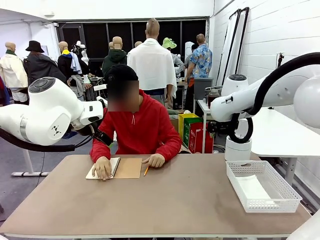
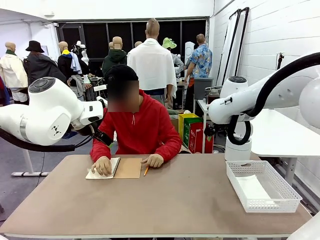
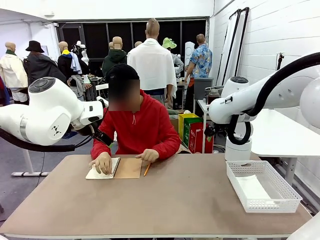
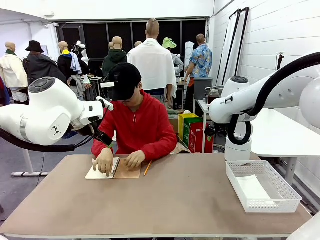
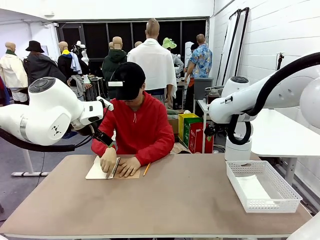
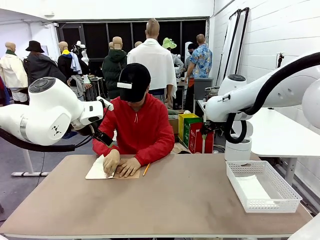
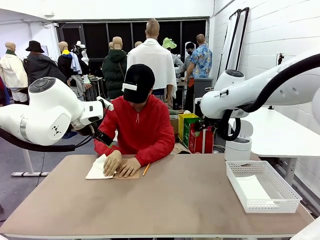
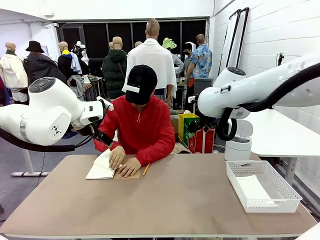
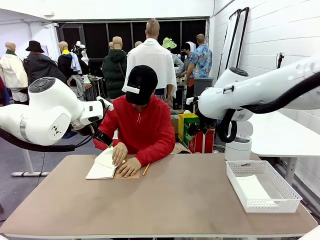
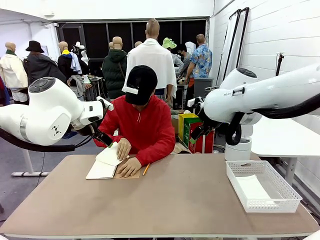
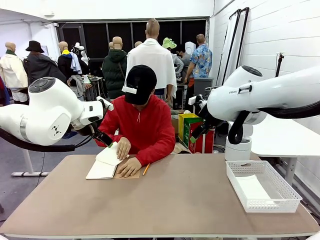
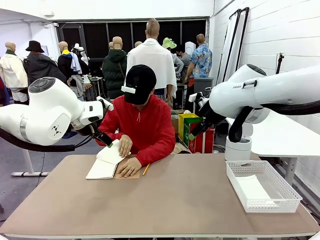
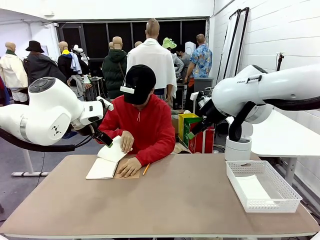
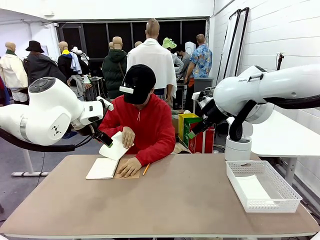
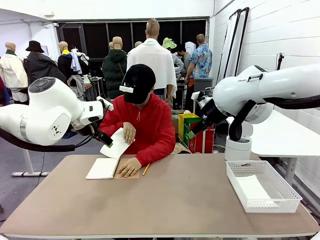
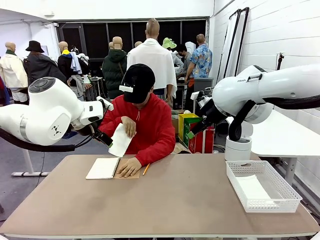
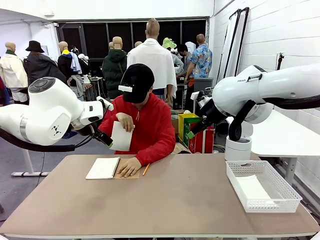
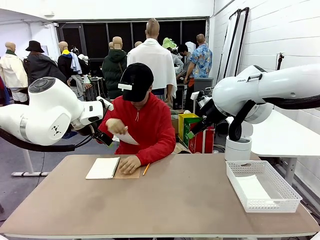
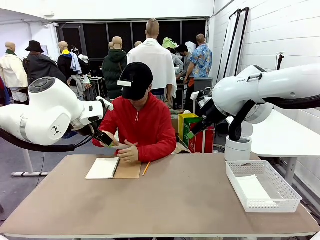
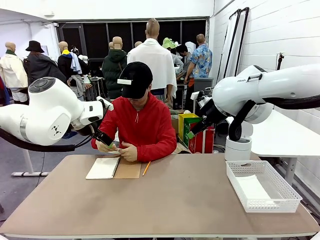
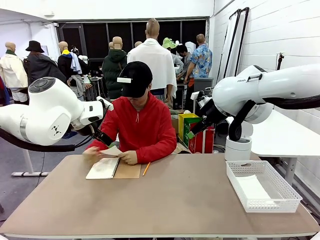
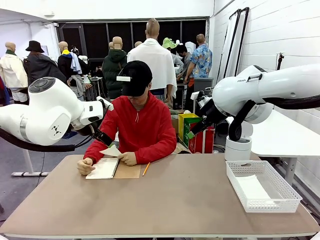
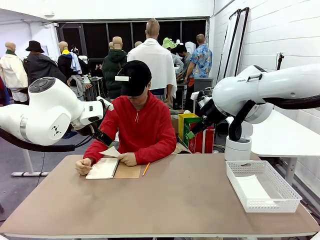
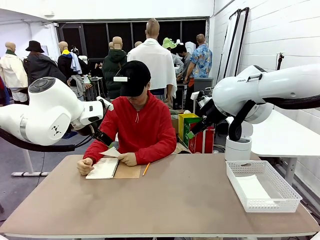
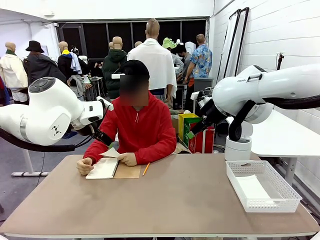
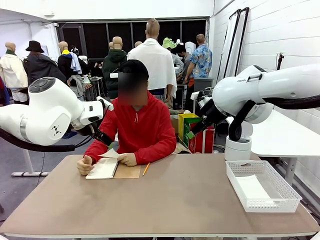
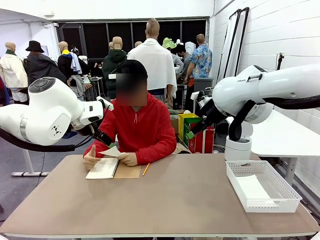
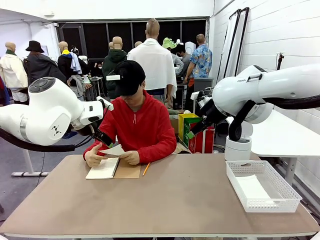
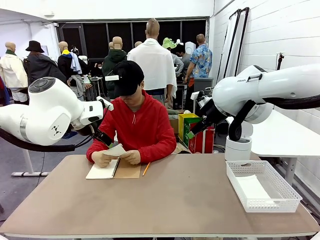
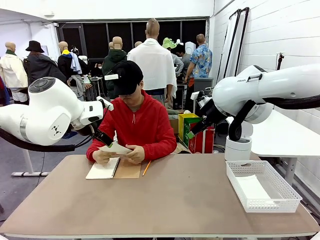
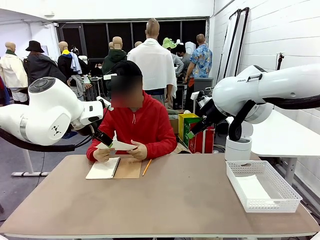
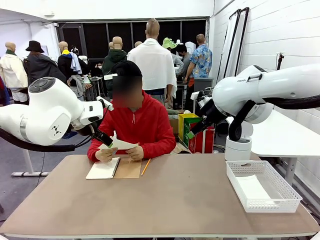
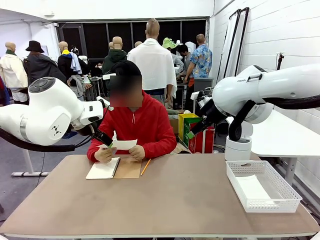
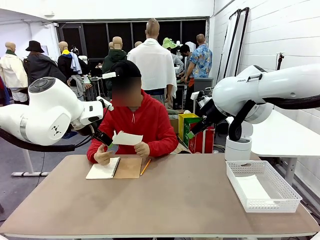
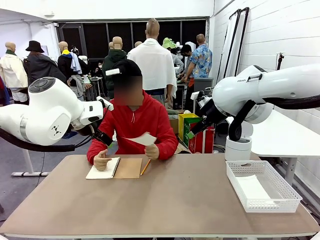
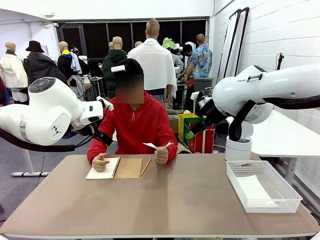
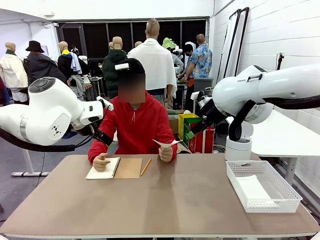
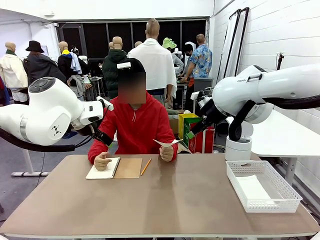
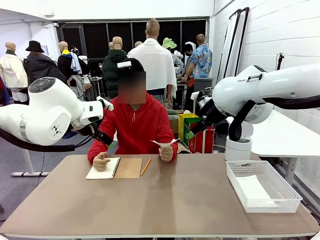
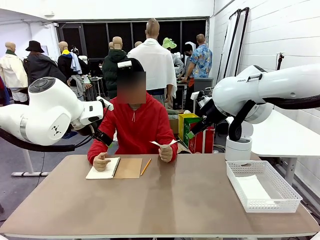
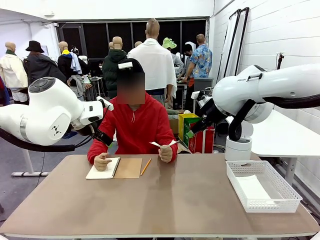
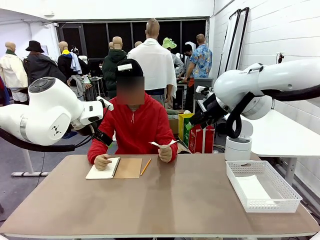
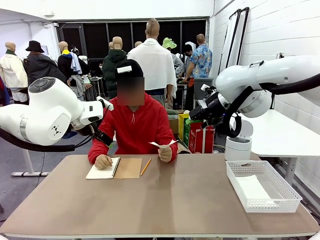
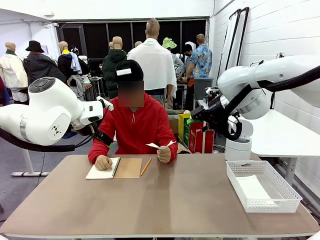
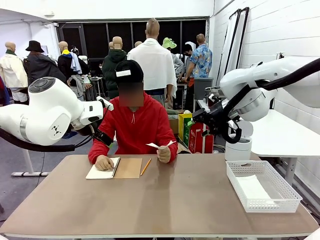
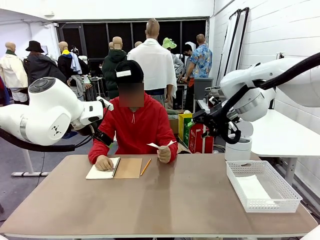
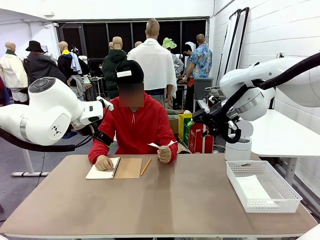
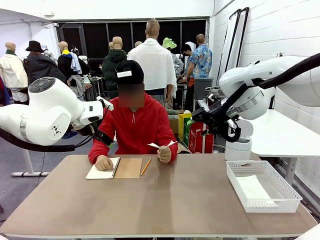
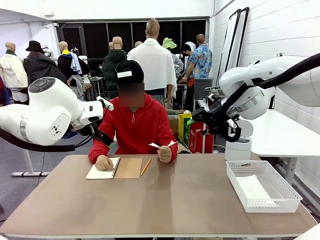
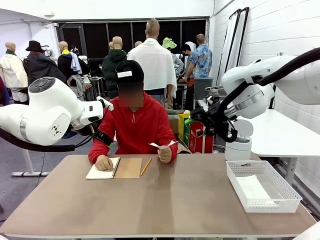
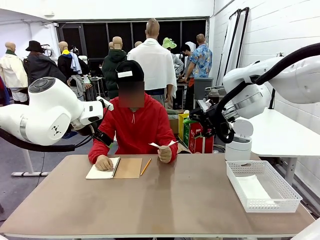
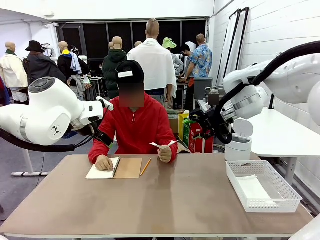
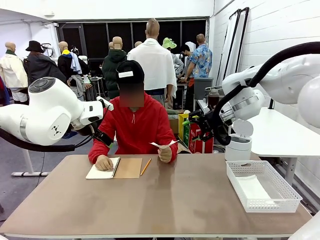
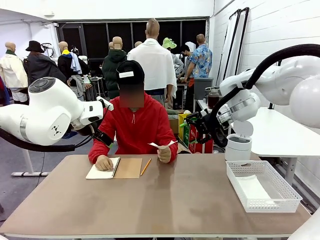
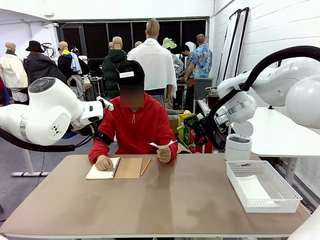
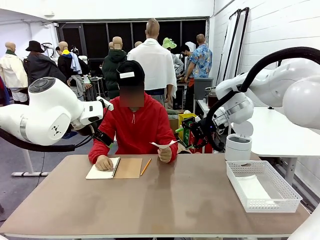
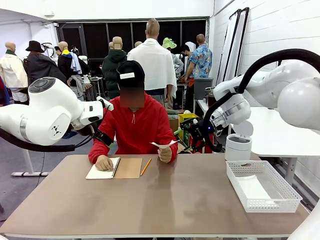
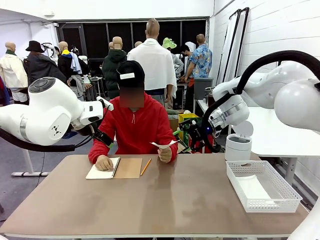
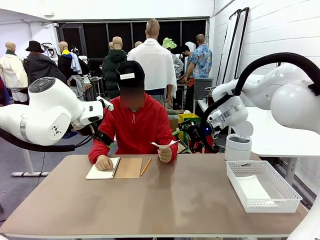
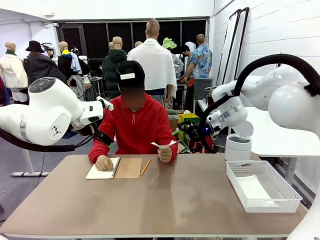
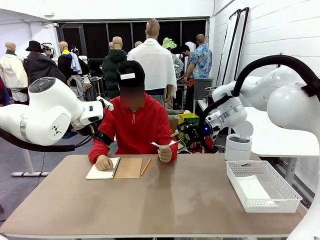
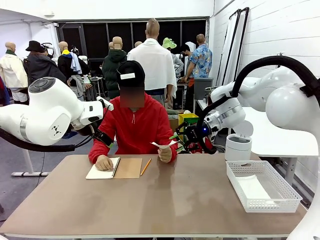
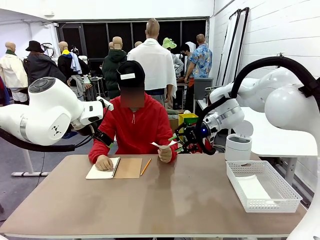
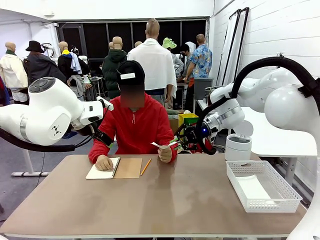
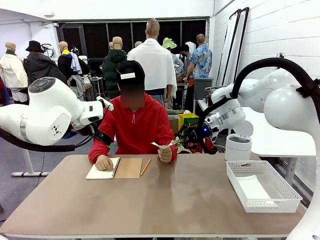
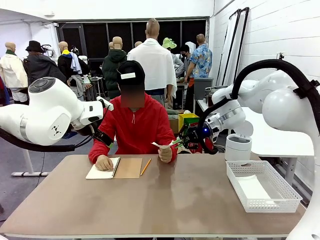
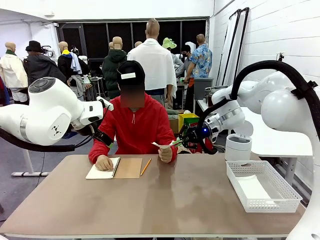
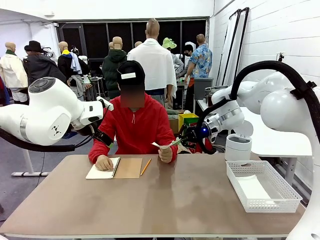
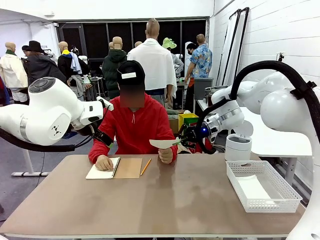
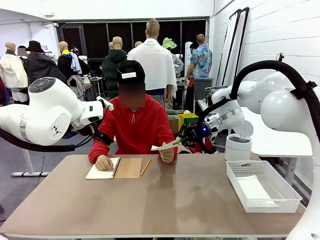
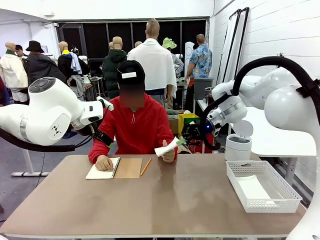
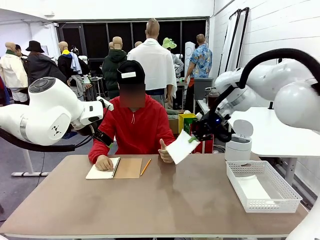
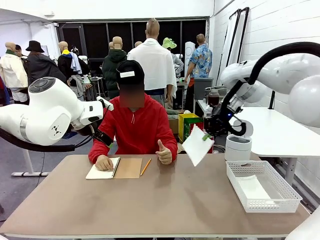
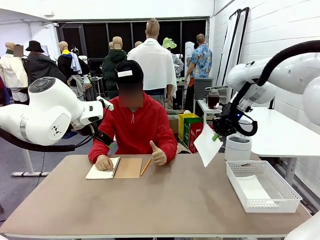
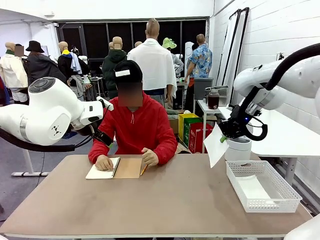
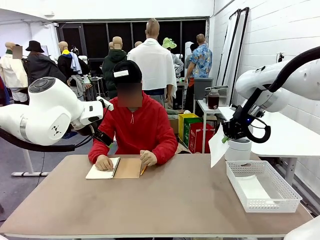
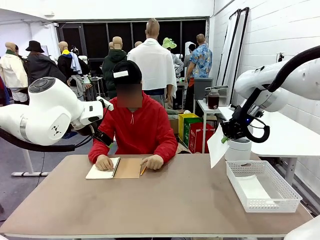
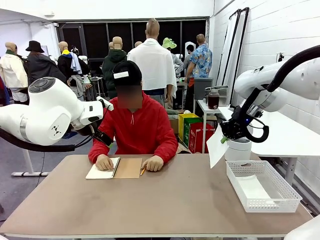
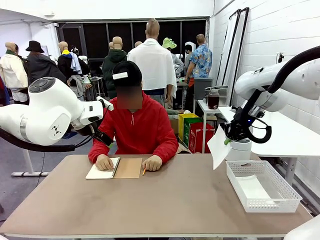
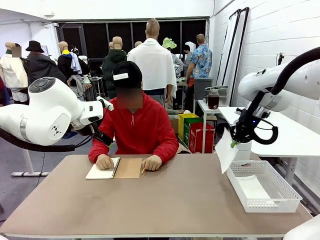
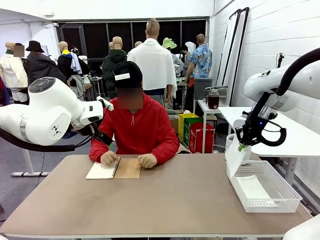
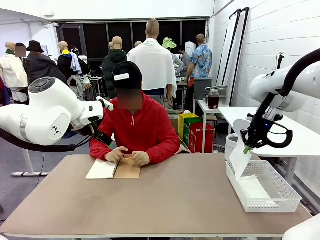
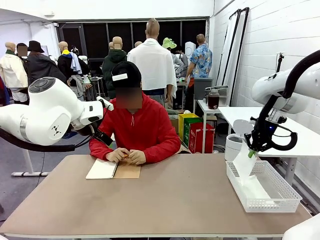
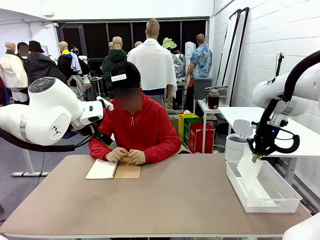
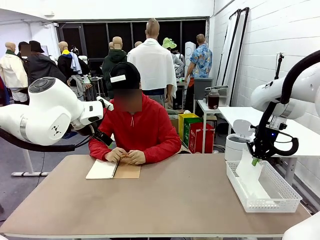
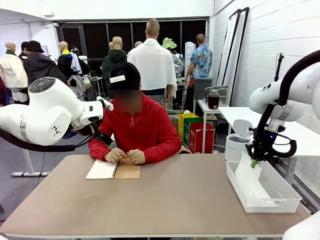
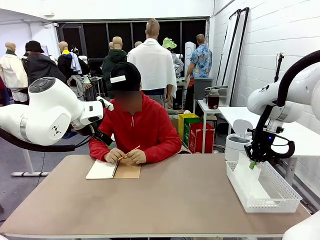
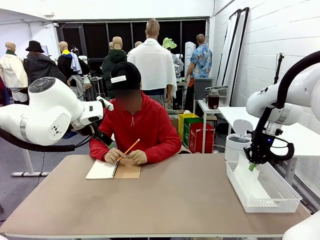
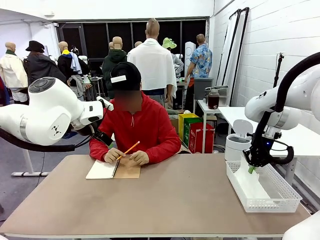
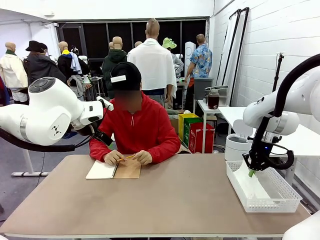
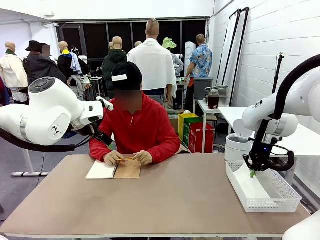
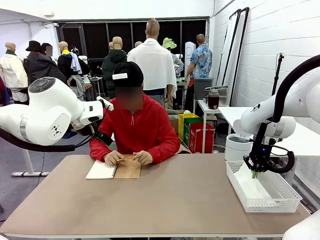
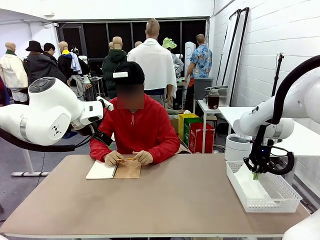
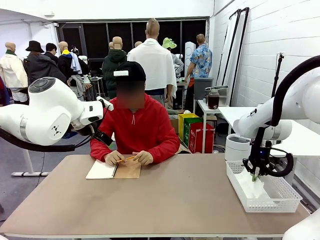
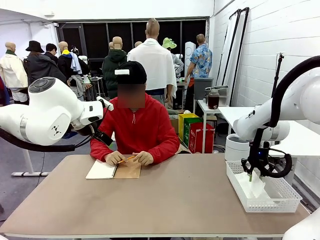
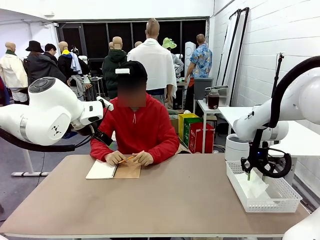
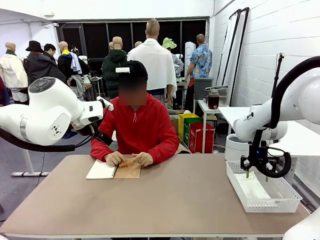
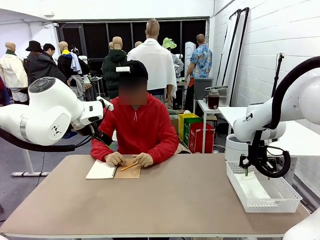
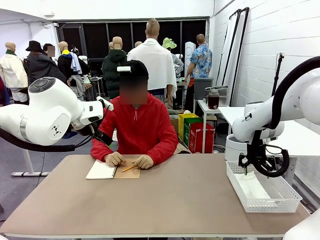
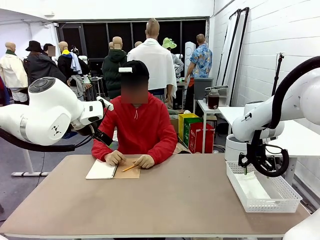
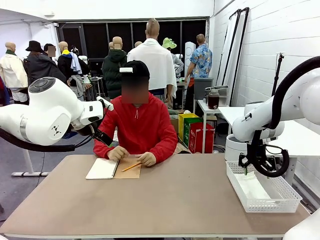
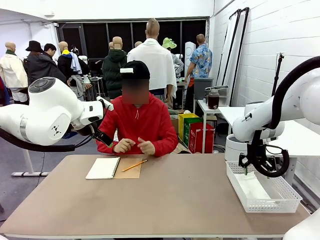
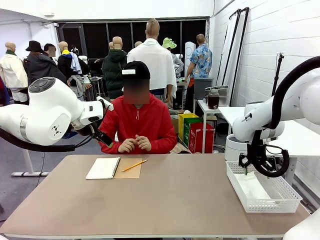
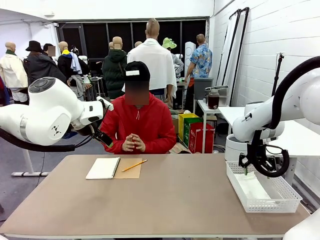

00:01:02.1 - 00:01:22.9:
Task: Sort the paper based on its condition.
Robot: If a person hands you a paper, place it in the Organizing basket , and if it's crumpled, put it in the Trash can.
Person: Hand the torn page to the robot or crumple it and throw it to the center of the table.
